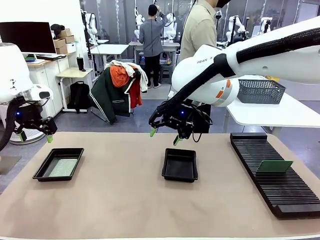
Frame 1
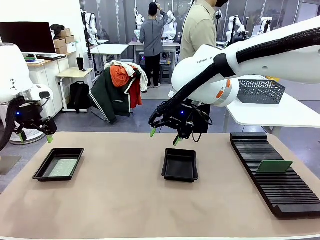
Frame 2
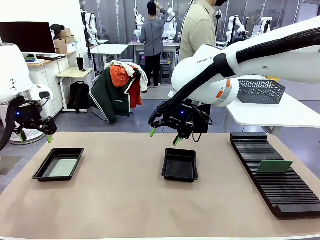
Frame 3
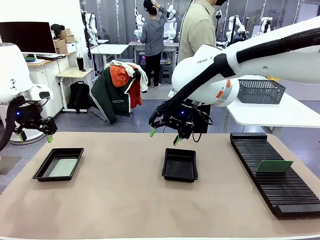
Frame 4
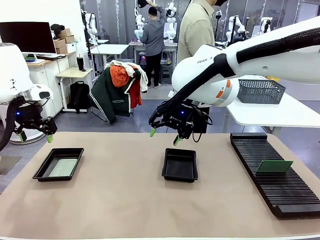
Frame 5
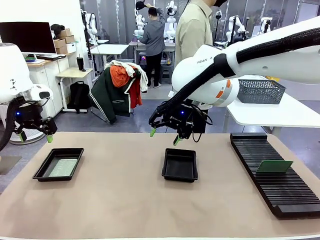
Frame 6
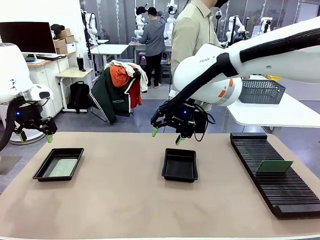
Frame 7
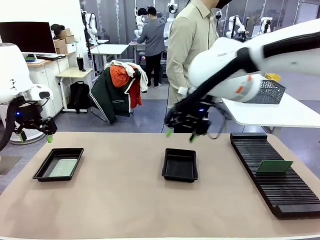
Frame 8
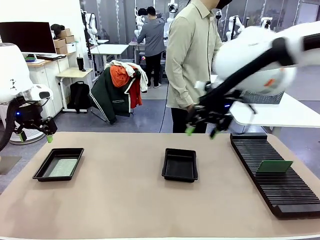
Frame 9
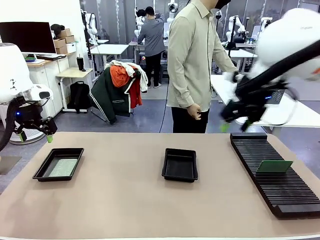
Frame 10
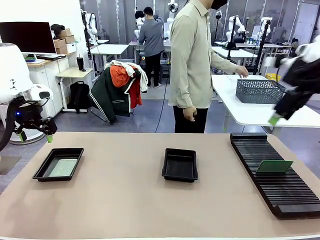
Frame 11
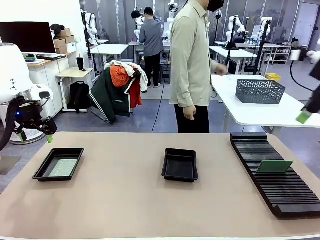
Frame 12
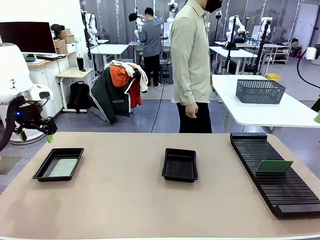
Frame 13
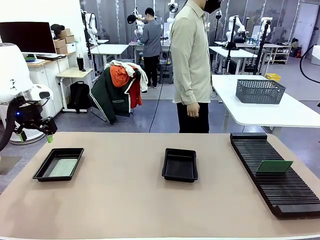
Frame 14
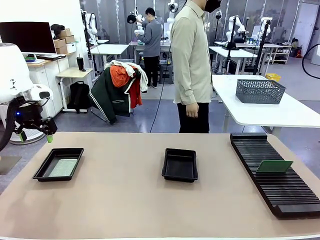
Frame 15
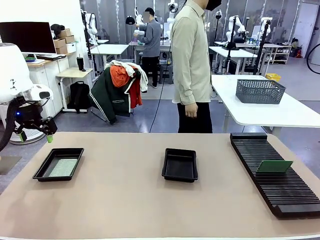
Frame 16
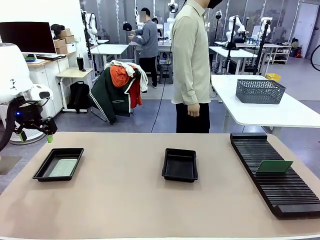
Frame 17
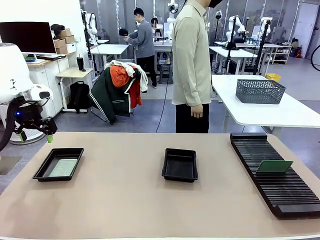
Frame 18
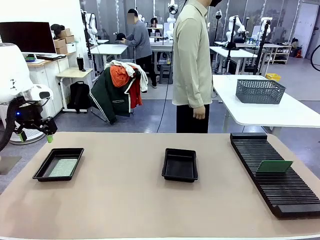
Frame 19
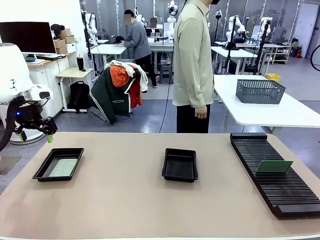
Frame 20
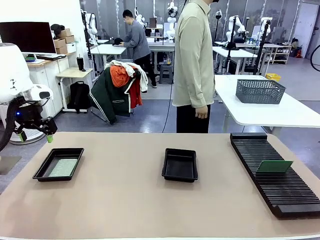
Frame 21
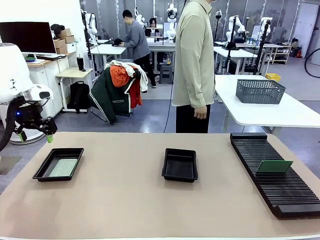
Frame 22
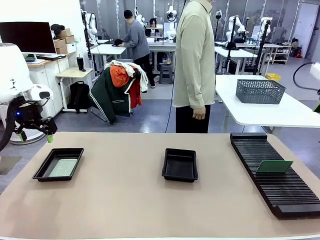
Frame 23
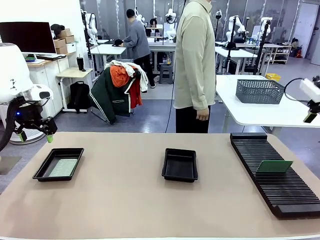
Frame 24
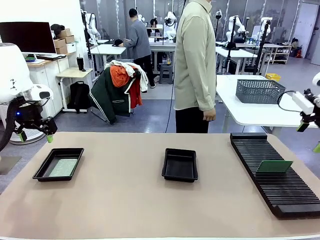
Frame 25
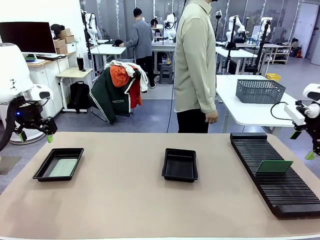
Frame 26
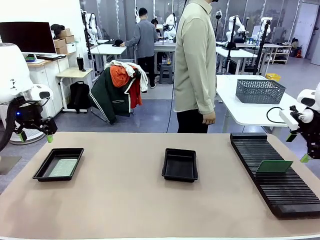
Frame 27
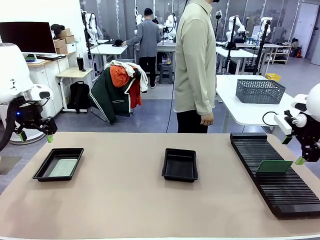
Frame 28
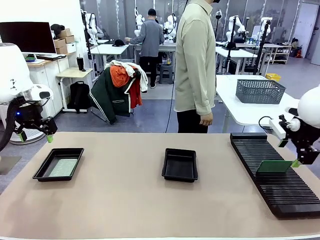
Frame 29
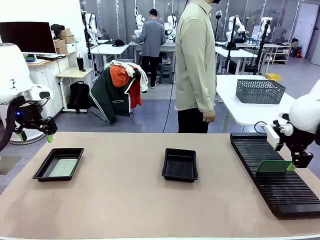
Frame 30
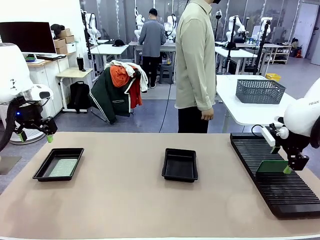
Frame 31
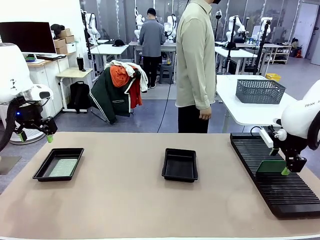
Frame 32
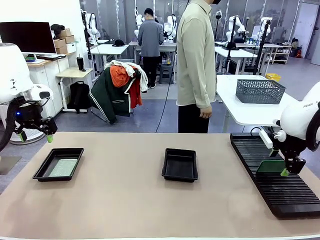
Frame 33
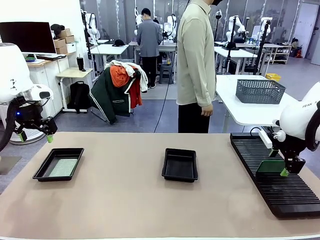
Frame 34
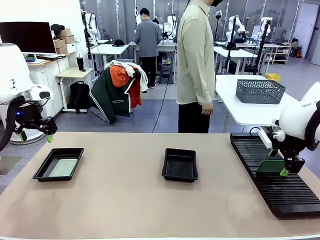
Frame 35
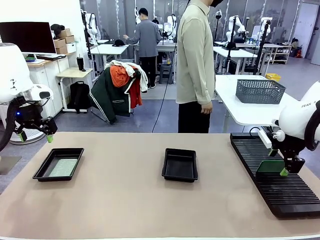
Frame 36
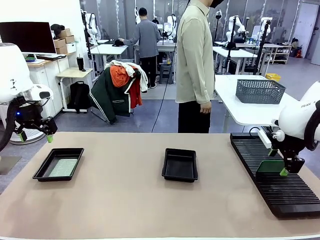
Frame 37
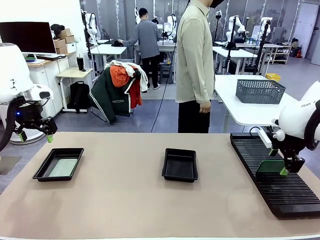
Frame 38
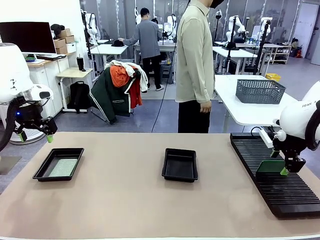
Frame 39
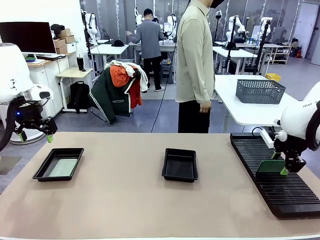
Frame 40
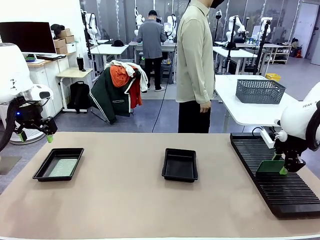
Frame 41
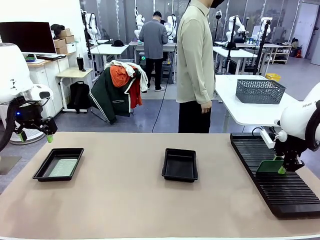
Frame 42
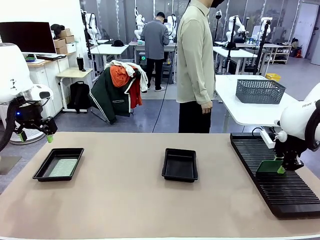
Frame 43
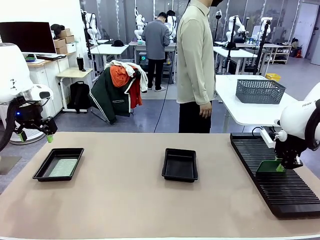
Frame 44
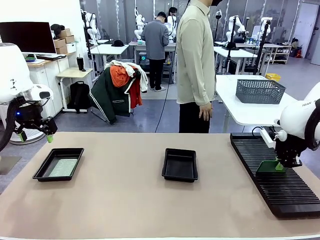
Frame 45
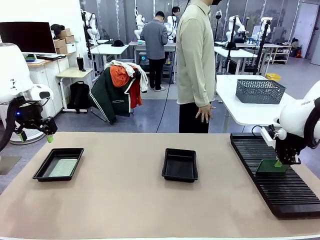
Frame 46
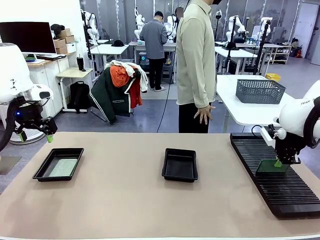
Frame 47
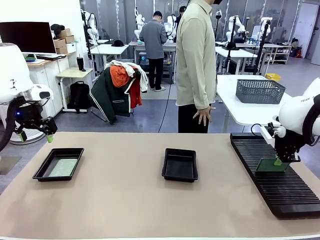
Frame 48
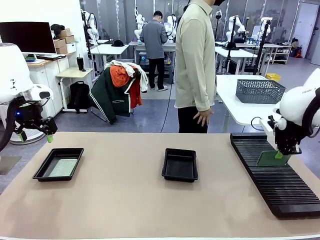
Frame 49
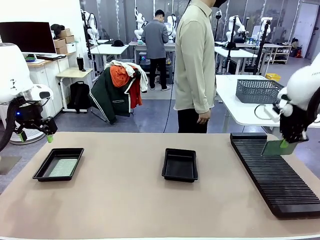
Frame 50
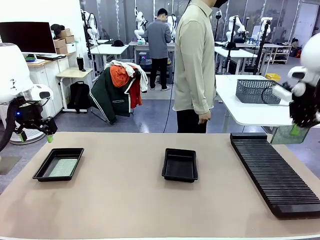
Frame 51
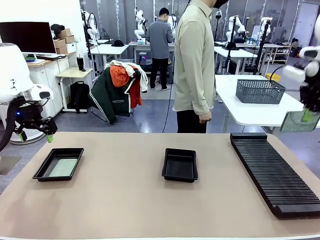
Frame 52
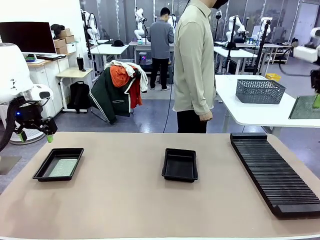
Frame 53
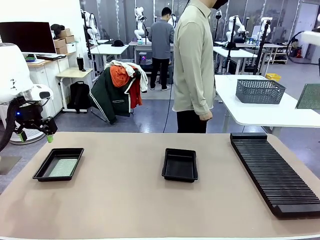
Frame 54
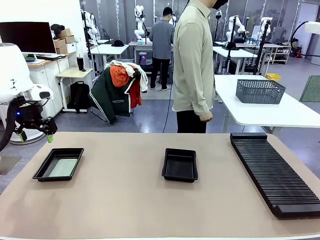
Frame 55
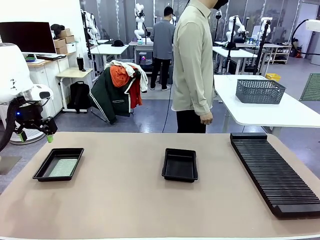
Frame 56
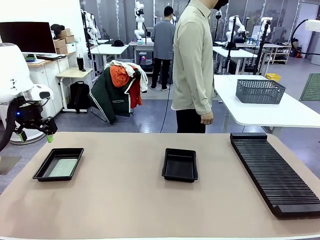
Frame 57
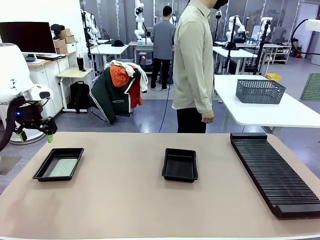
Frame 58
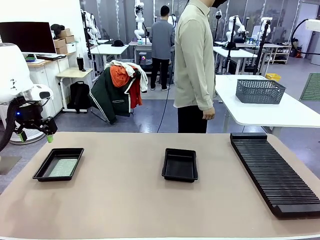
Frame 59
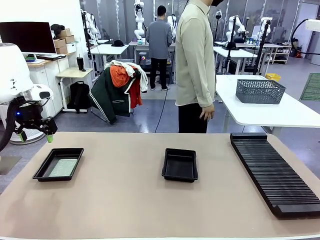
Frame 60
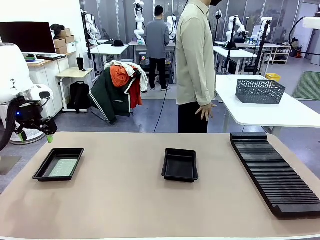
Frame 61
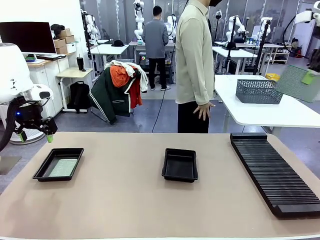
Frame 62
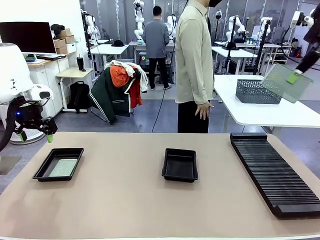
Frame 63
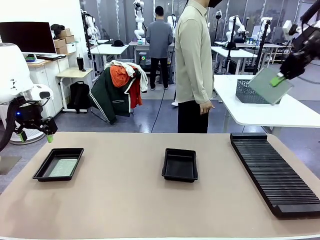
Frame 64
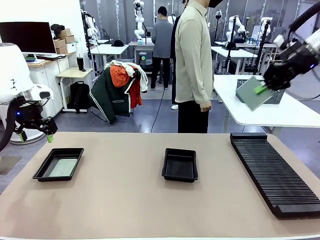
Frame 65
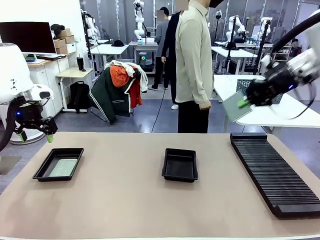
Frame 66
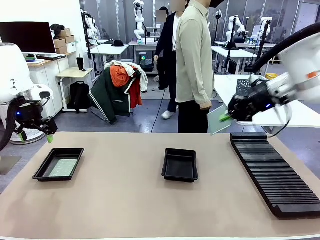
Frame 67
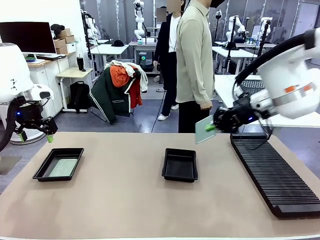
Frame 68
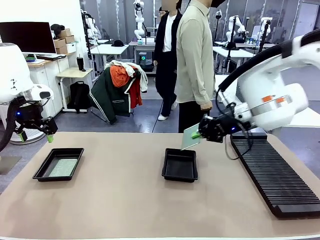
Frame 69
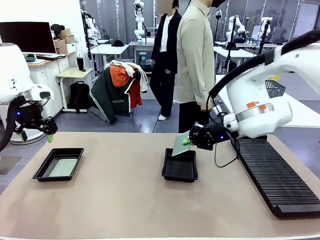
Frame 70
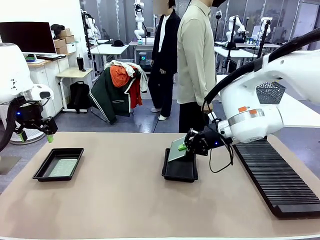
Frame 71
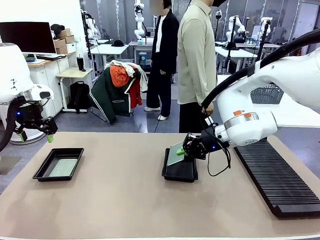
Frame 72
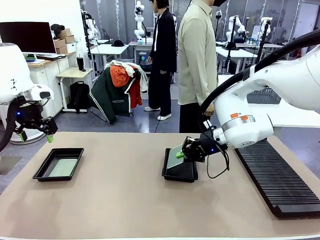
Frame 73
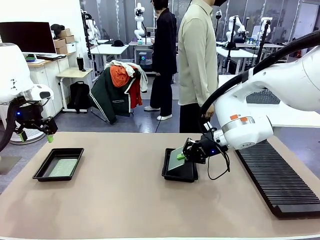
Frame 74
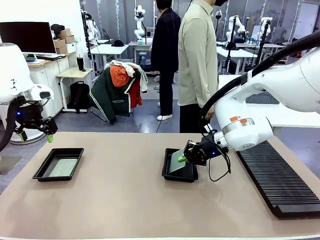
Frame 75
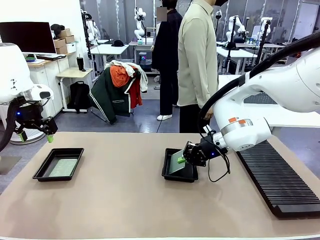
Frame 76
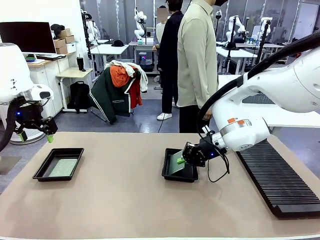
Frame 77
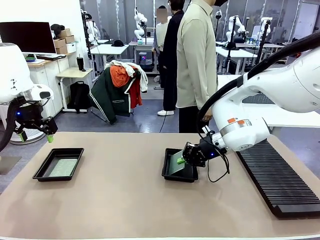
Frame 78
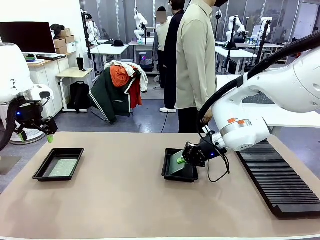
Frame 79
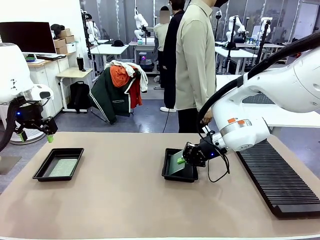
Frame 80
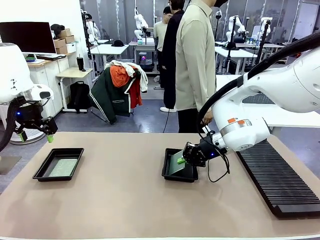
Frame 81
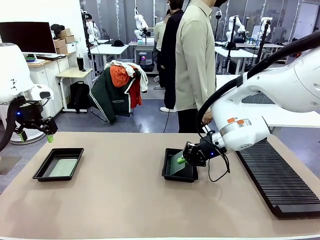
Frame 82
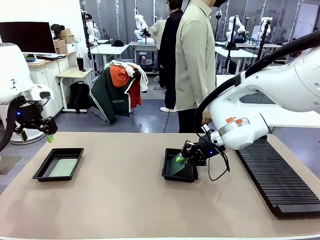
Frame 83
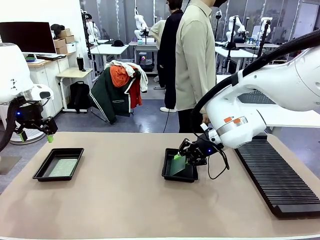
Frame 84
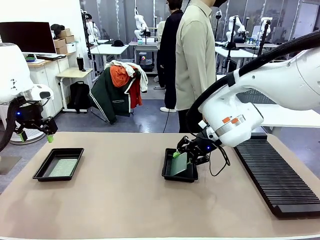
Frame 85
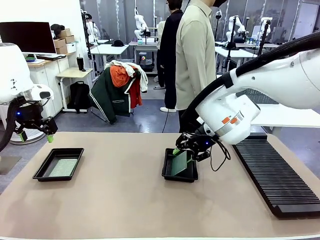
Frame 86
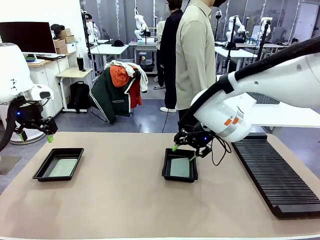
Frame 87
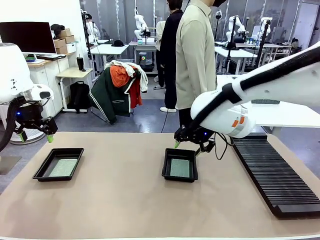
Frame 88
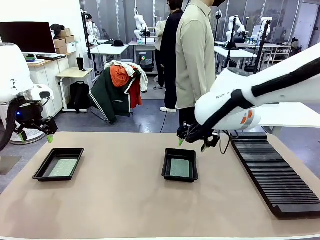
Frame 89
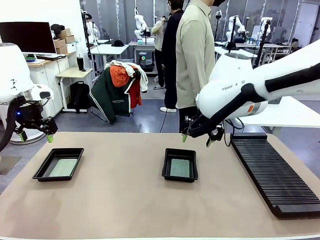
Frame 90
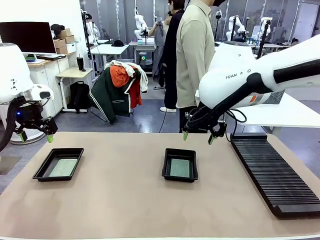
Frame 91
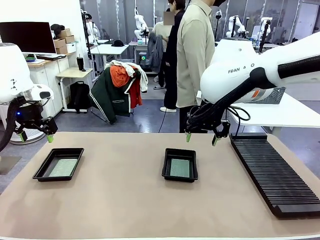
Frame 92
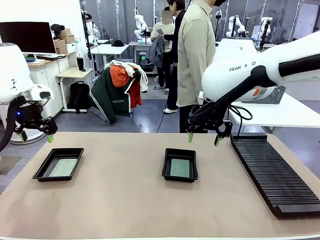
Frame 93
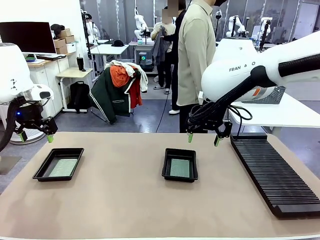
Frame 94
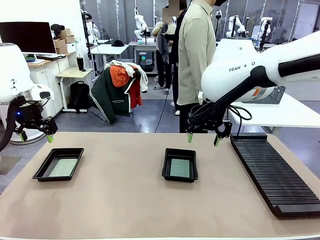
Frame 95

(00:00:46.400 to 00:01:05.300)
Task: Inspect and transfer BCBs to ESD trays.
Robot: Pick up the Blank PCB from the PCB Rack and place it in the right ESD tray.
